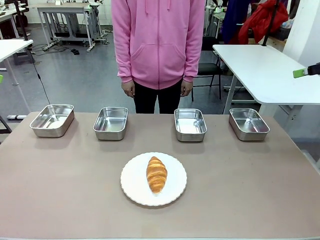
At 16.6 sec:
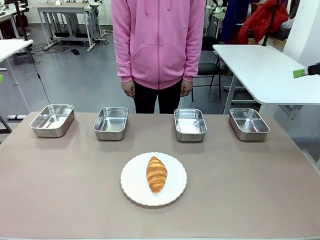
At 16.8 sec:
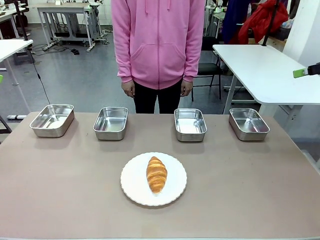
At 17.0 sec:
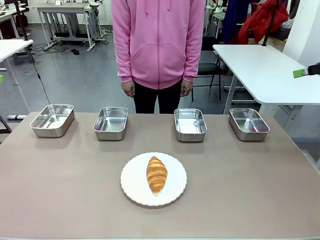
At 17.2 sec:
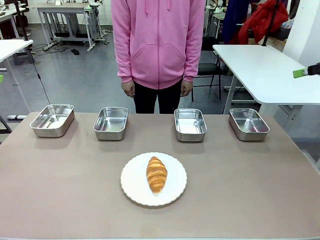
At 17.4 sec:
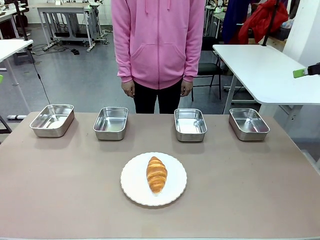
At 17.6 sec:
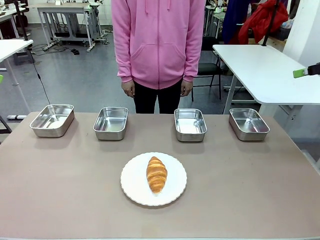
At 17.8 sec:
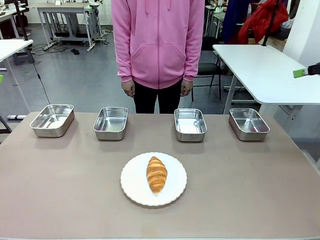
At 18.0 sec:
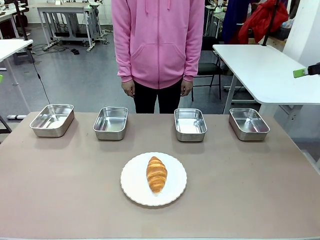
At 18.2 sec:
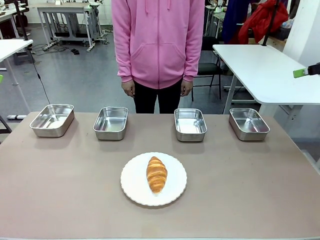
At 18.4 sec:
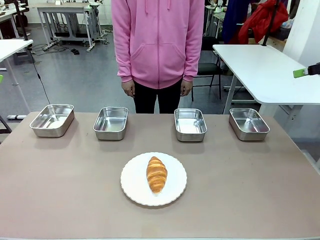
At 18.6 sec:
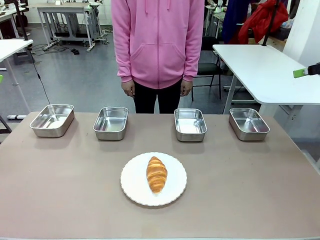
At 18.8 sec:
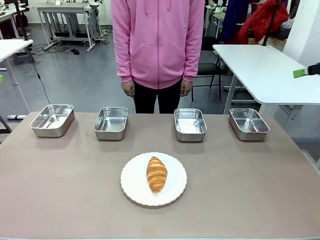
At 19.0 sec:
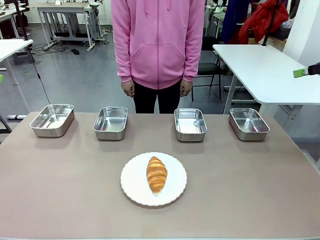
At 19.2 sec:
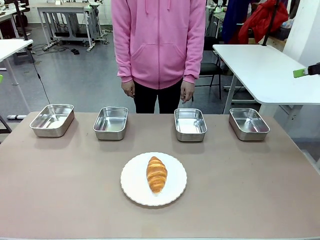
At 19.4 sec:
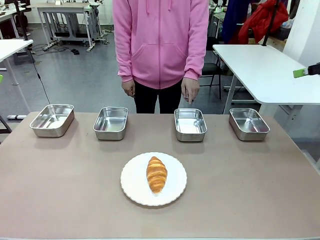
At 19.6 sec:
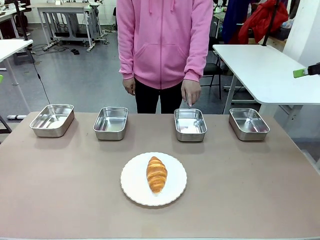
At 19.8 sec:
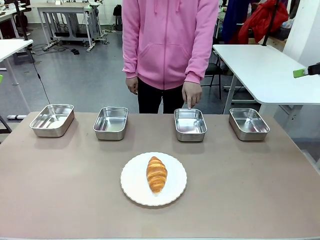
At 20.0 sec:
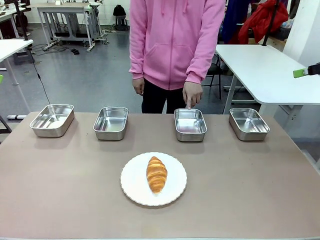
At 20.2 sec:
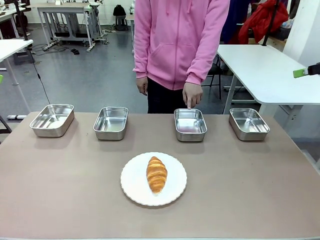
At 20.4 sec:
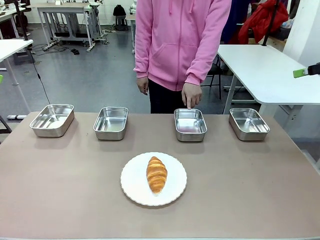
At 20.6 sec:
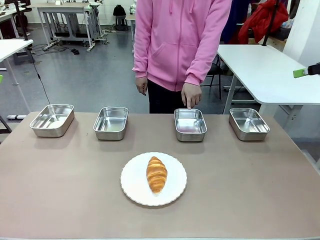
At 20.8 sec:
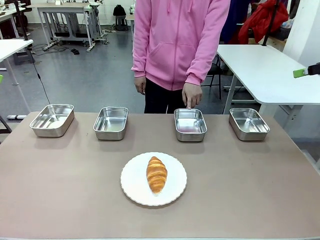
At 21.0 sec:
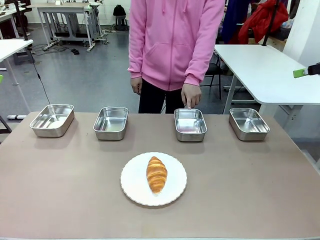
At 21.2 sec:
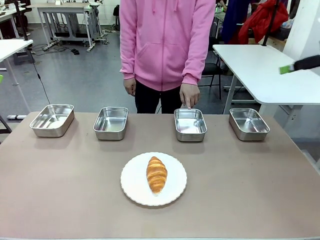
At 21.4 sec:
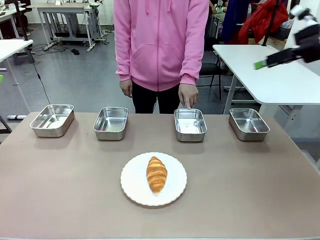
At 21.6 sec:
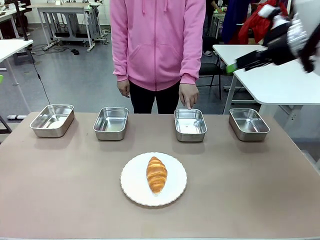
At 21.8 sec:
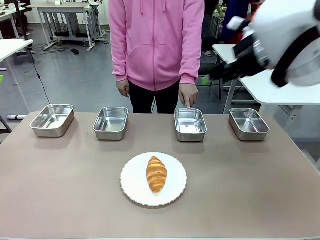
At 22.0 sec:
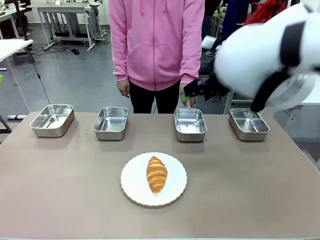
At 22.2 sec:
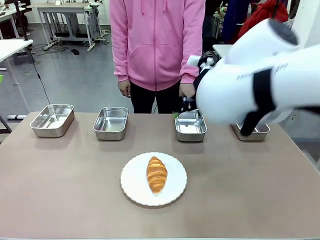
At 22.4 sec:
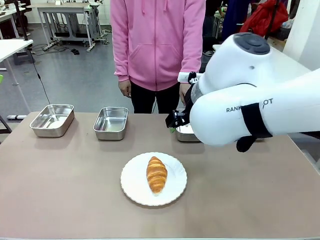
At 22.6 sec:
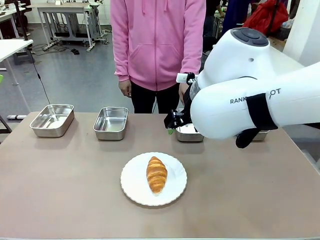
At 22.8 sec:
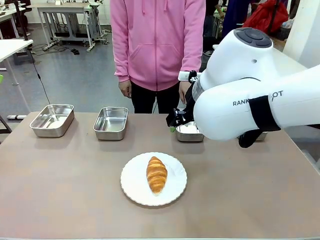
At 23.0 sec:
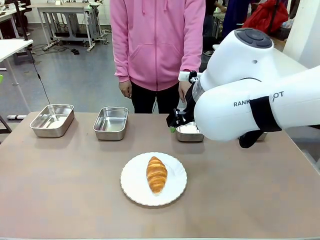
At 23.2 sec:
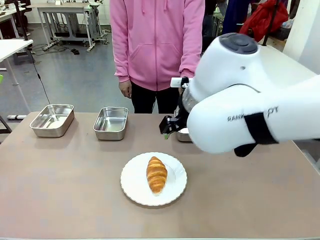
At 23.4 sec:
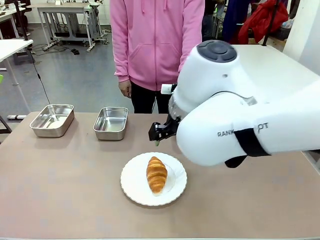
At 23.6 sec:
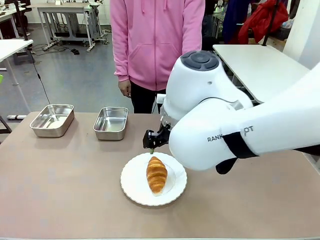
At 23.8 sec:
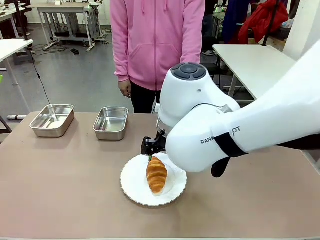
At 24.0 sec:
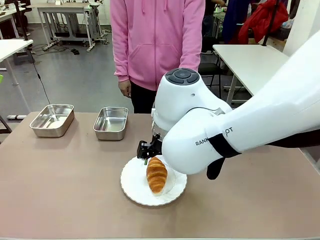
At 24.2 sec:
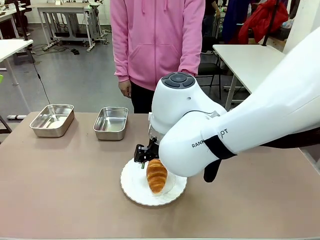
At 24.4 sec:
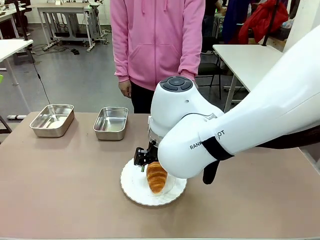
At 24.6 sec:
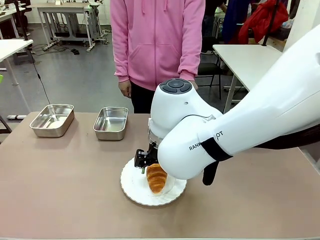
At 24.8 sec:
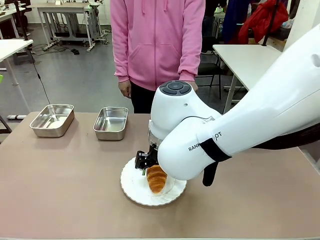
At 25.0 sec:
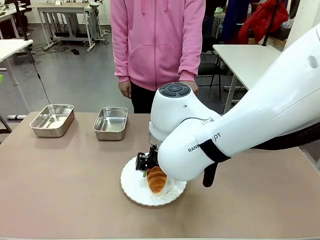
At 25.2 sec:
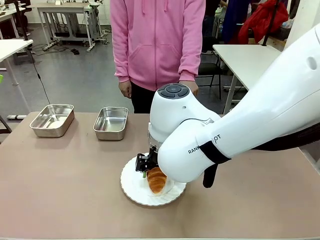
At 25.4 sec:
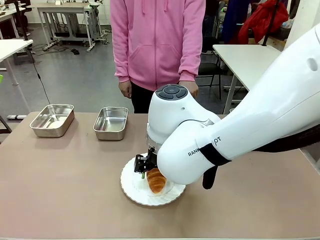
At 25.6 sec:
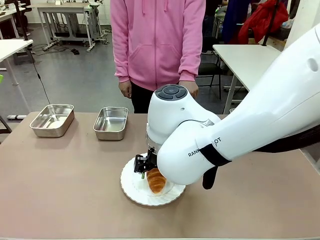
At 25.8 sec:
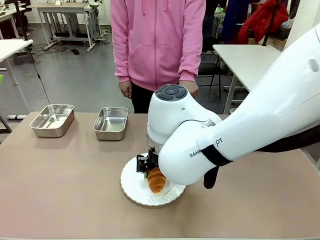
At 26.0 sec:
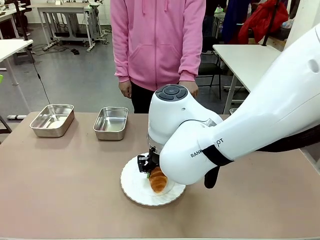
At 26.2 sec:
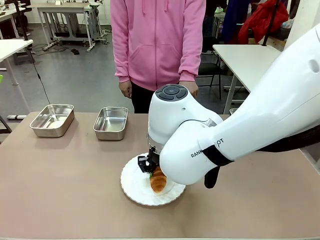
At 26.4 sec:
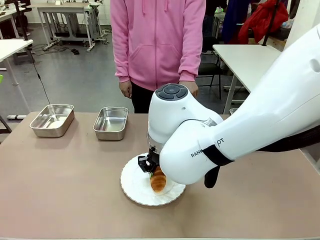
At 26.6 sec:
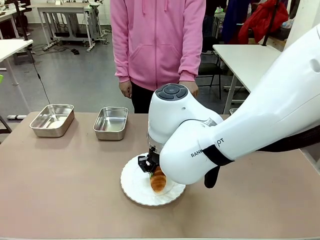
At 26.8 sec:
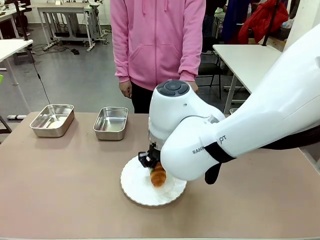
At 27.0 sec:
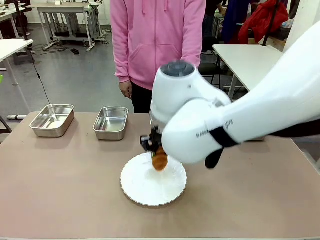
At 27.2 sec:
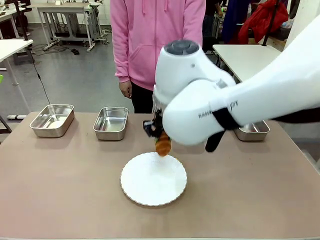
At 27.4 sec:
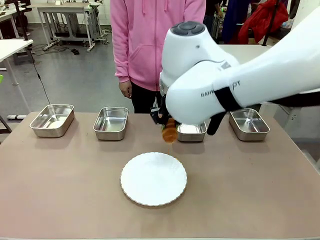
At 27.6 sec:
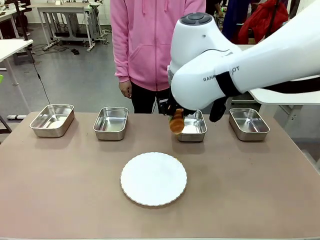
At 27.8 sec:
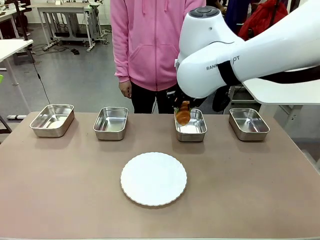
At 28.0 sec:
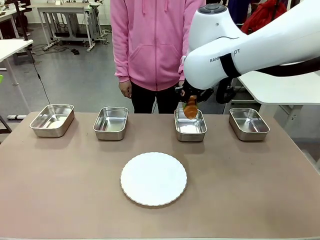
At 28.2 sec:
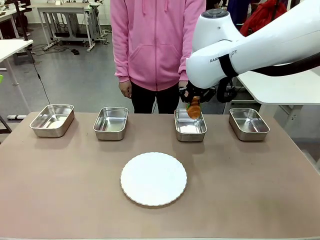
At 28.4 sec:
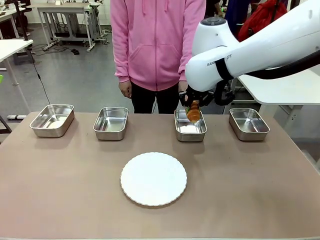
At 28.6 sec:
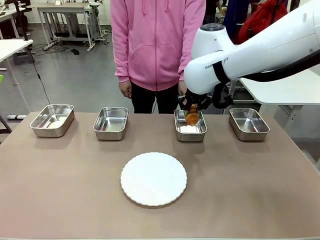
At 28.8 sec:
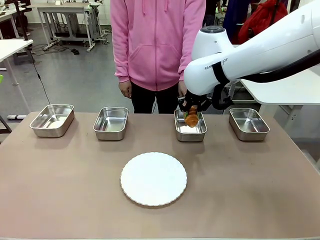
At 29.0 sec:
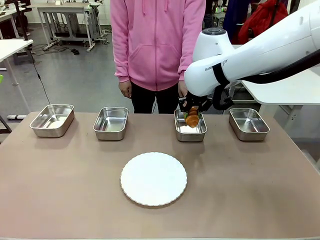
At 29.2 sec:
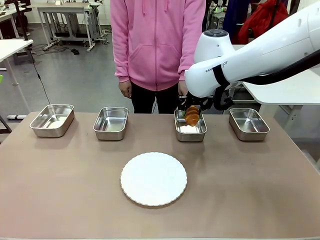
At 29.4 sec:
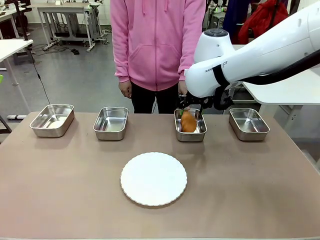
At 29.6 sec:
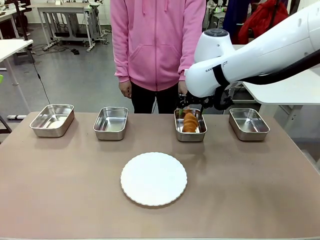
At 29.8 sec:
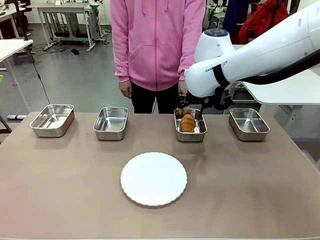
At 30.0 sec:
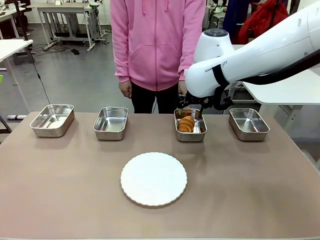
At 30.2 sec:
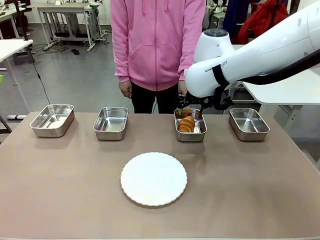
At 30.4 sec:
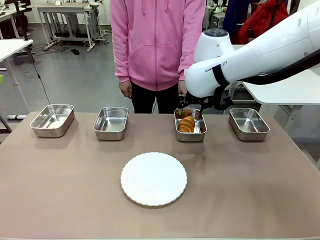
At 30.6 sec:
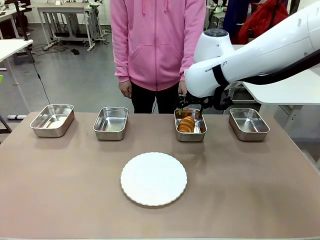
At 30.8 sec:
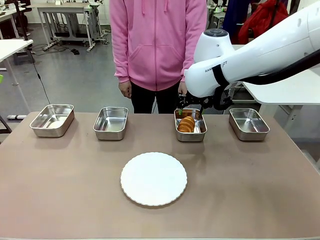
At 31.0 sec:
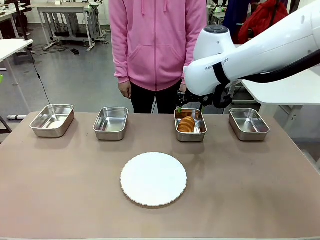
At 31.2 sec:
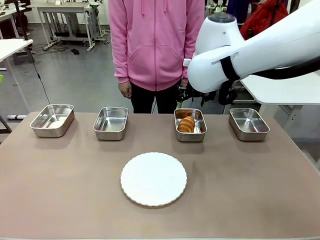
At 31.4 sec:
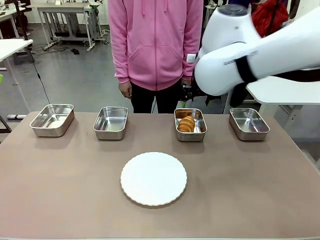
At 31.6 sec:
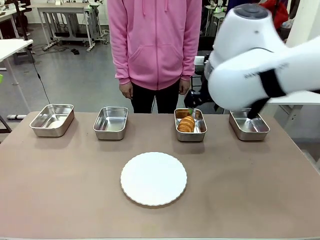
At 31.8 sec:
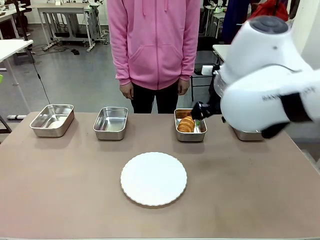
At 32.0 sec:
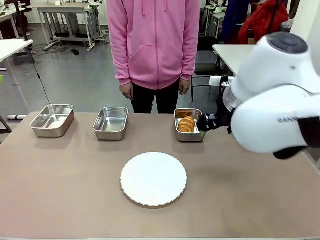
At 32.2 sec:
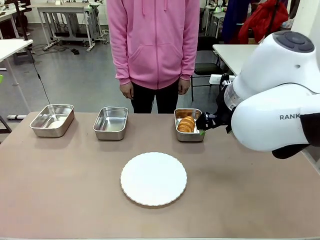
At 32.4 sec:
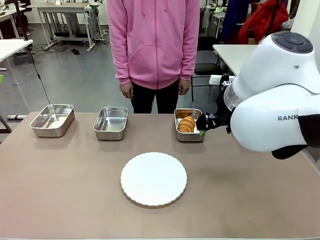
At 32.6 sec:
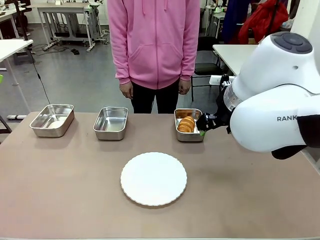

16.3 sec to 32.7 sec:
Task: Place the bread in the container.
Robot: Place the Butter Roll into the Airtight Container indicated by the human.
Person: A person randomly selects and points to an Airtight Container.
